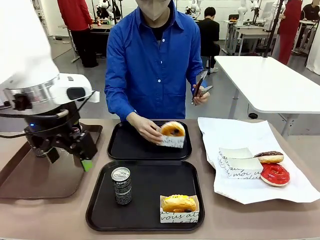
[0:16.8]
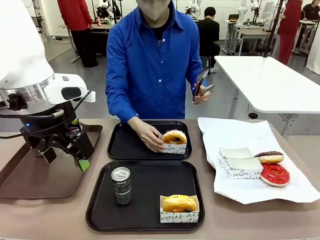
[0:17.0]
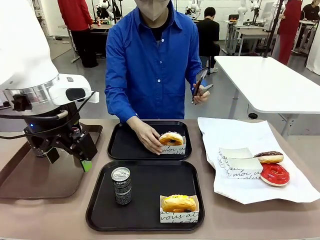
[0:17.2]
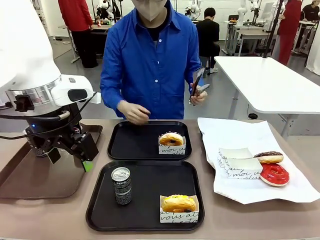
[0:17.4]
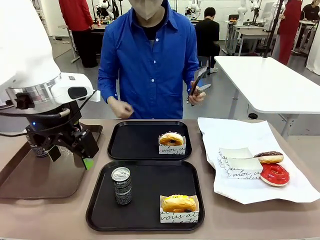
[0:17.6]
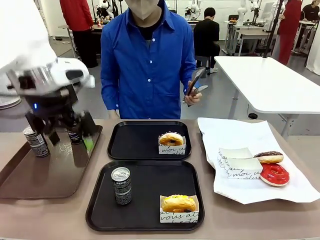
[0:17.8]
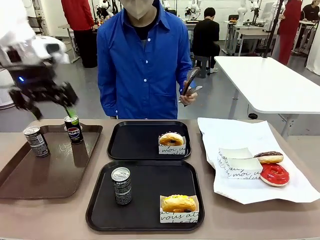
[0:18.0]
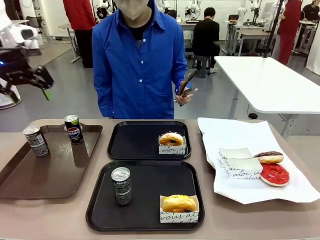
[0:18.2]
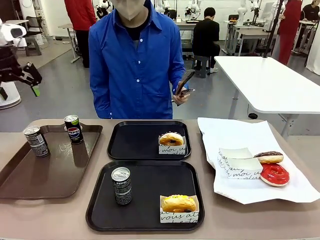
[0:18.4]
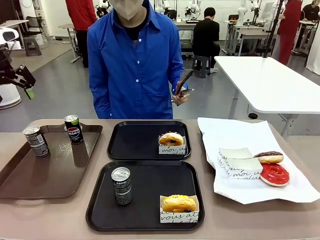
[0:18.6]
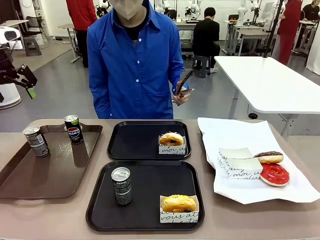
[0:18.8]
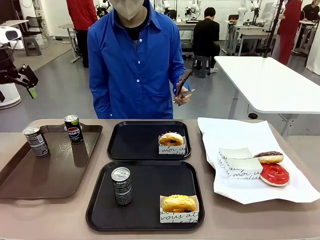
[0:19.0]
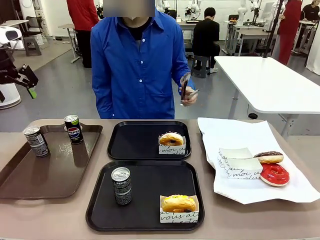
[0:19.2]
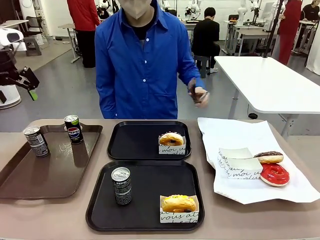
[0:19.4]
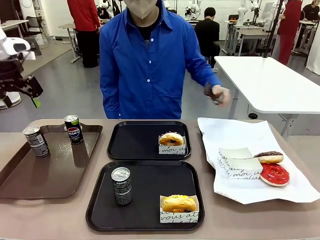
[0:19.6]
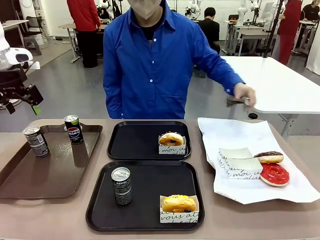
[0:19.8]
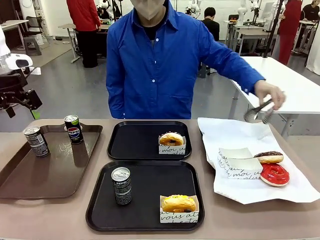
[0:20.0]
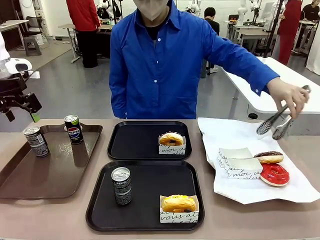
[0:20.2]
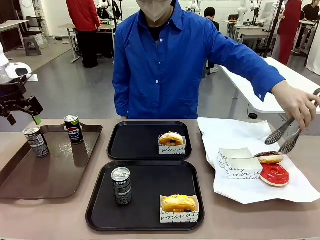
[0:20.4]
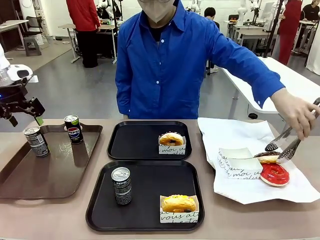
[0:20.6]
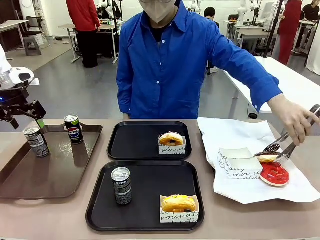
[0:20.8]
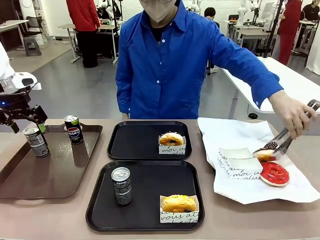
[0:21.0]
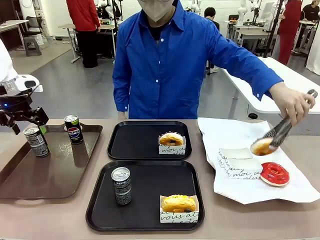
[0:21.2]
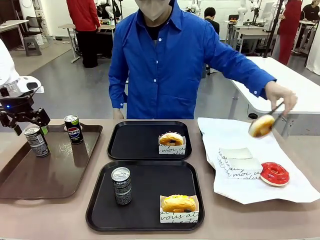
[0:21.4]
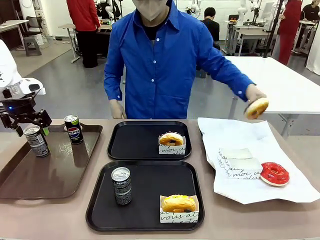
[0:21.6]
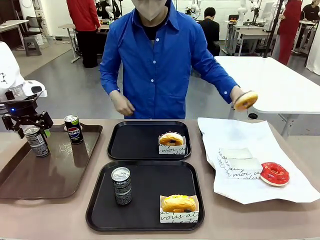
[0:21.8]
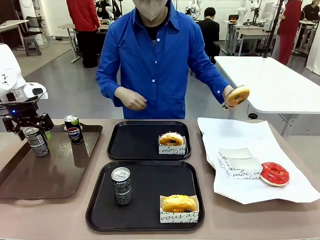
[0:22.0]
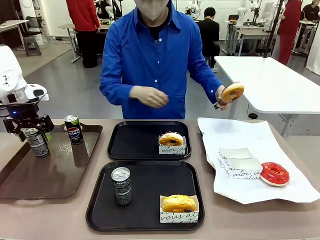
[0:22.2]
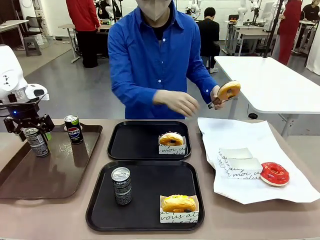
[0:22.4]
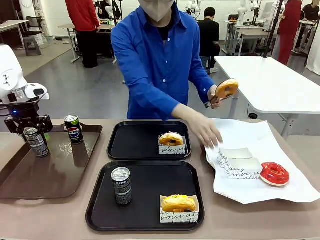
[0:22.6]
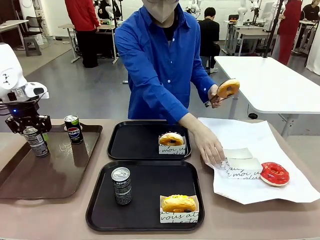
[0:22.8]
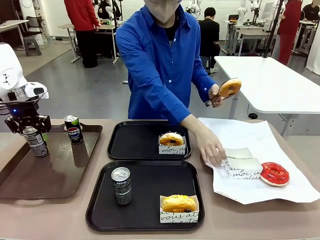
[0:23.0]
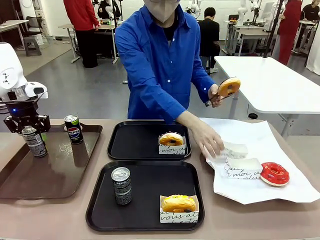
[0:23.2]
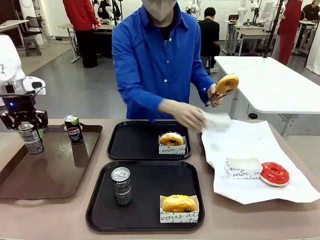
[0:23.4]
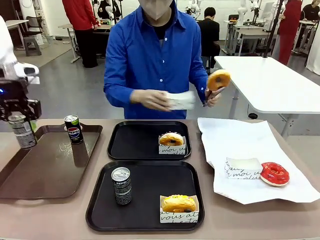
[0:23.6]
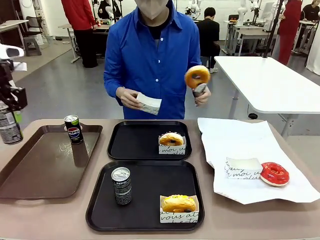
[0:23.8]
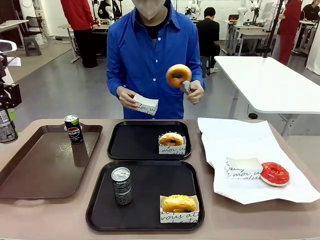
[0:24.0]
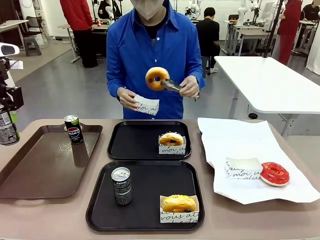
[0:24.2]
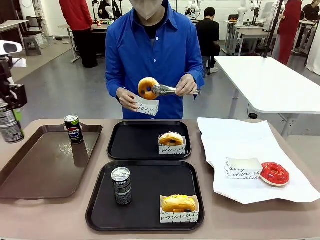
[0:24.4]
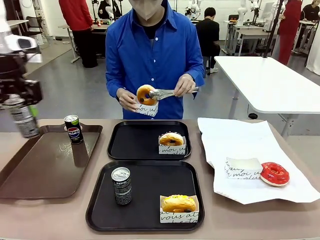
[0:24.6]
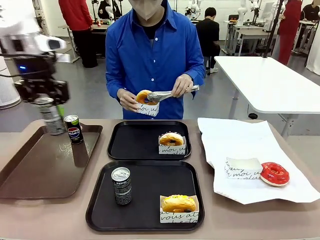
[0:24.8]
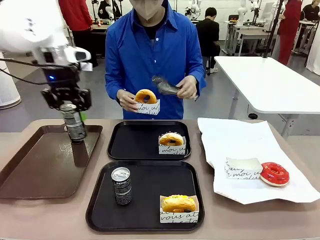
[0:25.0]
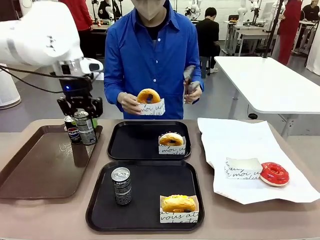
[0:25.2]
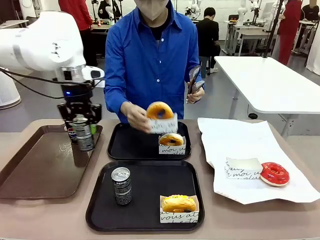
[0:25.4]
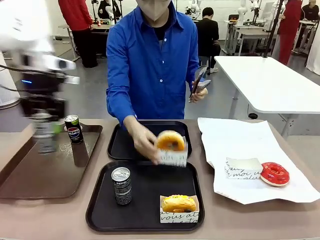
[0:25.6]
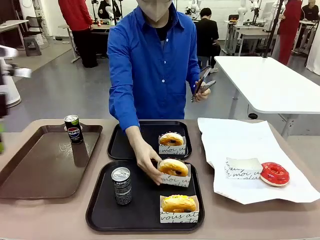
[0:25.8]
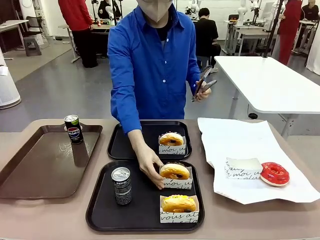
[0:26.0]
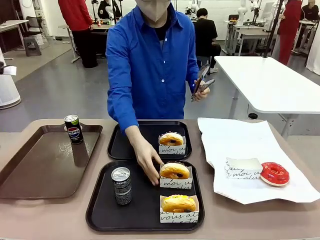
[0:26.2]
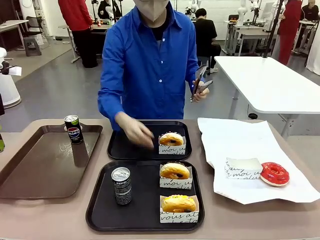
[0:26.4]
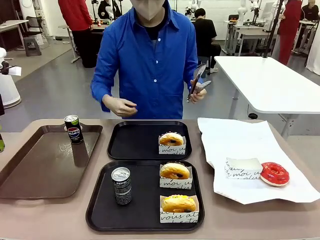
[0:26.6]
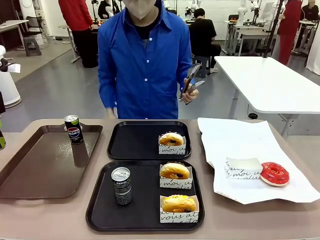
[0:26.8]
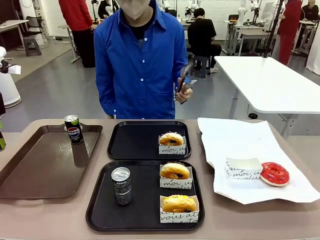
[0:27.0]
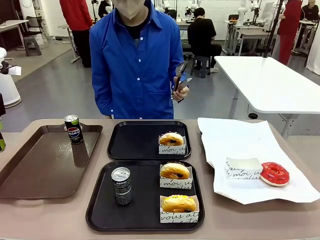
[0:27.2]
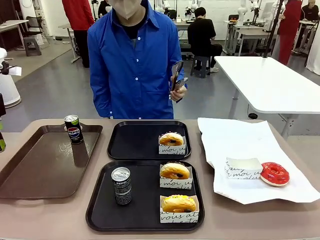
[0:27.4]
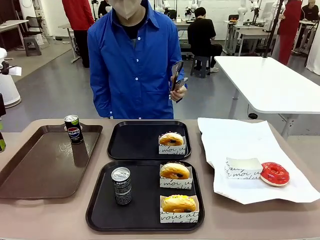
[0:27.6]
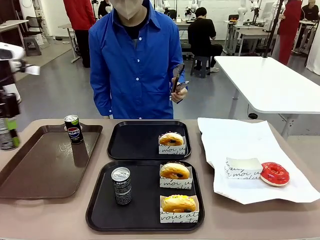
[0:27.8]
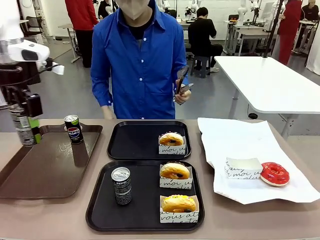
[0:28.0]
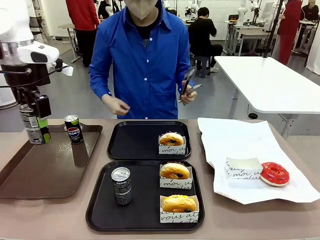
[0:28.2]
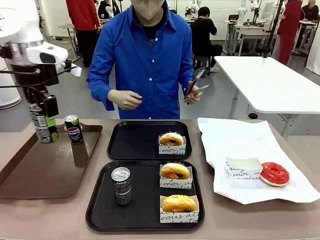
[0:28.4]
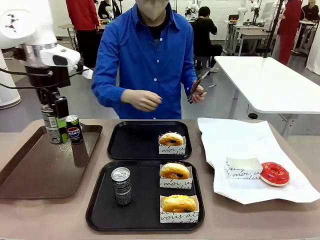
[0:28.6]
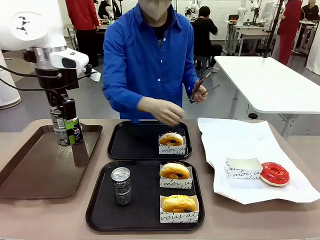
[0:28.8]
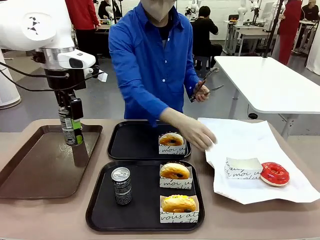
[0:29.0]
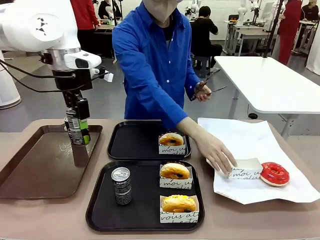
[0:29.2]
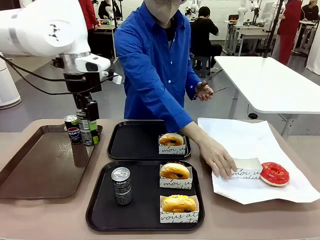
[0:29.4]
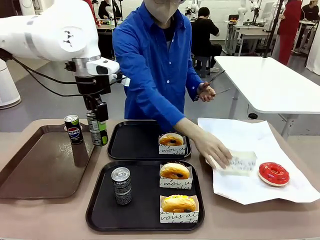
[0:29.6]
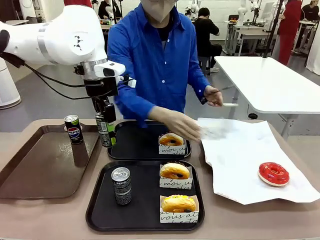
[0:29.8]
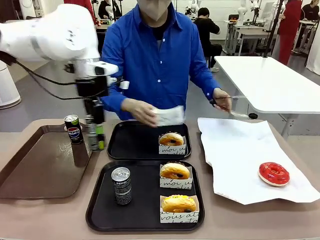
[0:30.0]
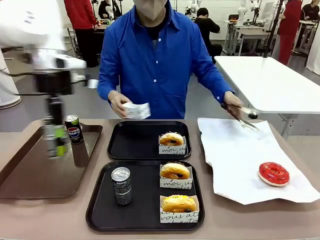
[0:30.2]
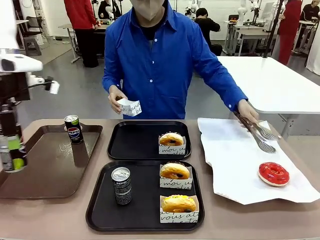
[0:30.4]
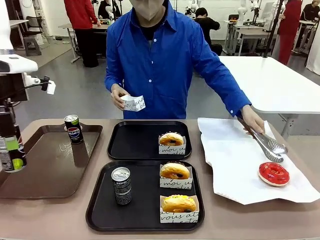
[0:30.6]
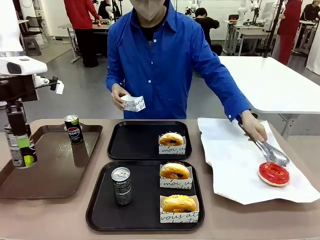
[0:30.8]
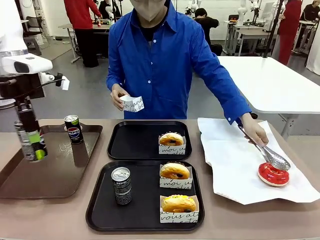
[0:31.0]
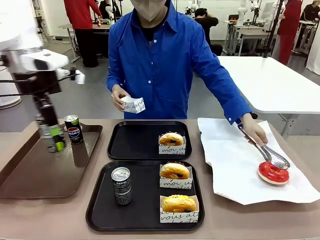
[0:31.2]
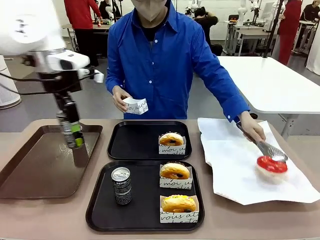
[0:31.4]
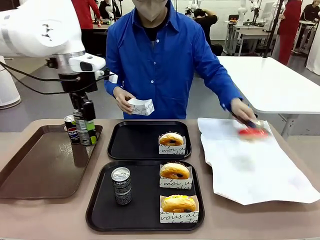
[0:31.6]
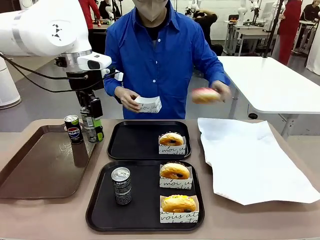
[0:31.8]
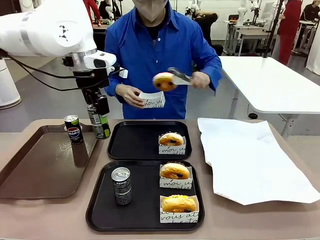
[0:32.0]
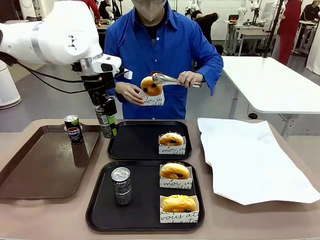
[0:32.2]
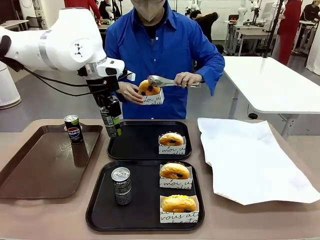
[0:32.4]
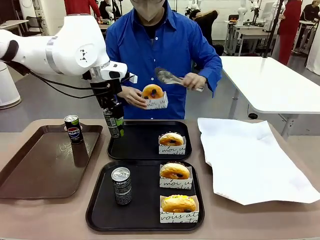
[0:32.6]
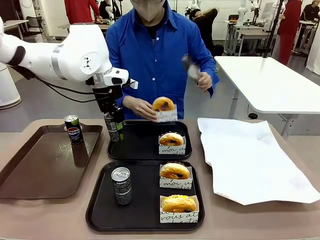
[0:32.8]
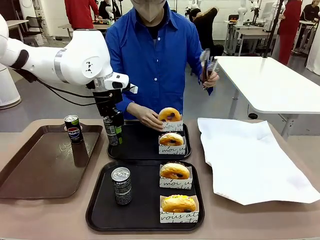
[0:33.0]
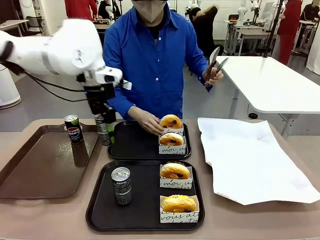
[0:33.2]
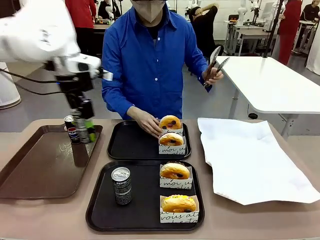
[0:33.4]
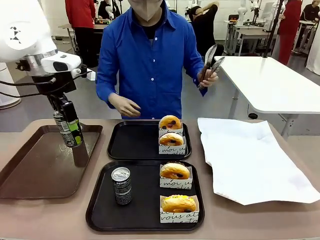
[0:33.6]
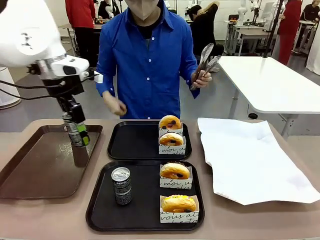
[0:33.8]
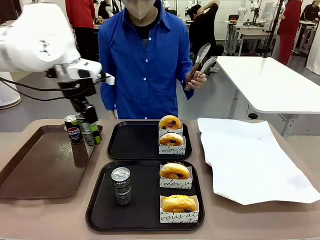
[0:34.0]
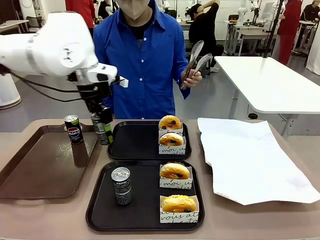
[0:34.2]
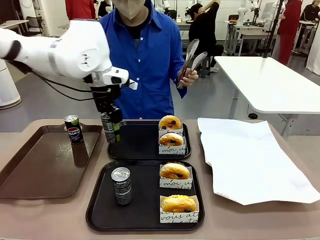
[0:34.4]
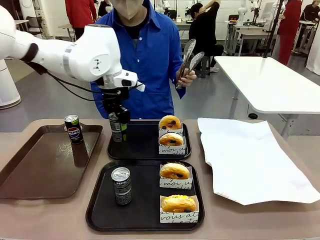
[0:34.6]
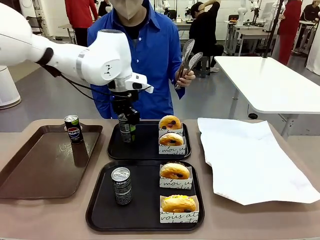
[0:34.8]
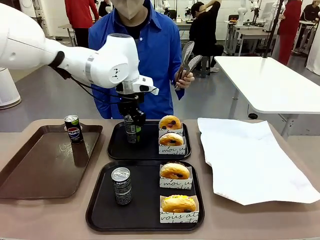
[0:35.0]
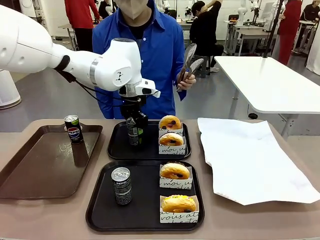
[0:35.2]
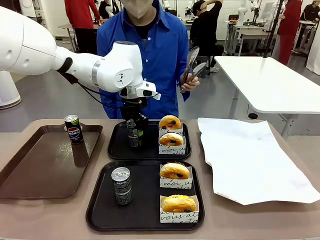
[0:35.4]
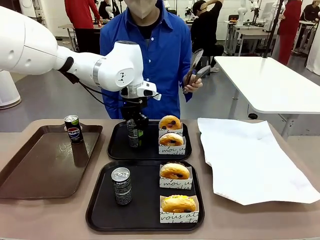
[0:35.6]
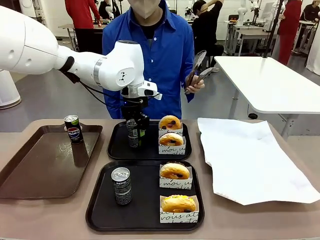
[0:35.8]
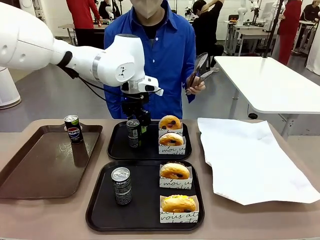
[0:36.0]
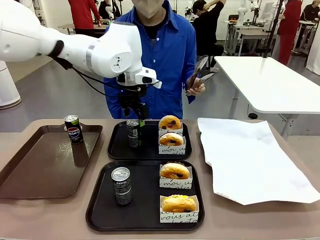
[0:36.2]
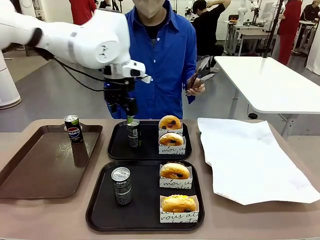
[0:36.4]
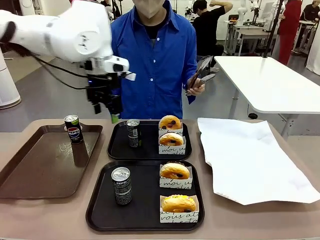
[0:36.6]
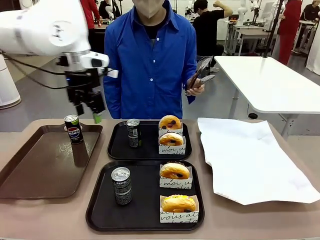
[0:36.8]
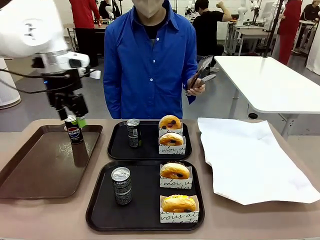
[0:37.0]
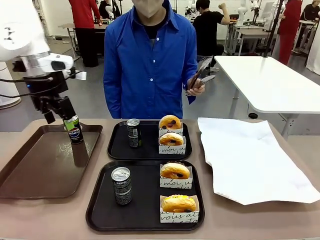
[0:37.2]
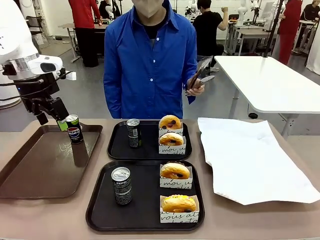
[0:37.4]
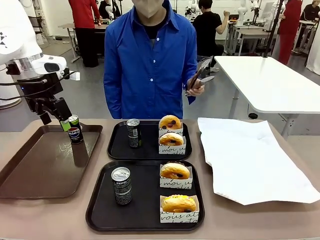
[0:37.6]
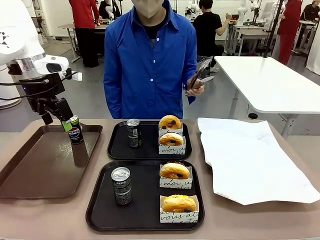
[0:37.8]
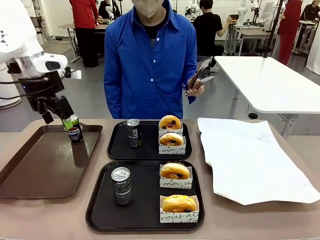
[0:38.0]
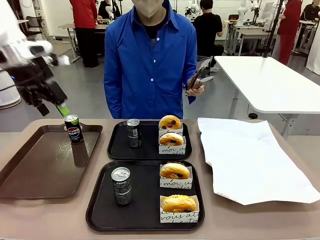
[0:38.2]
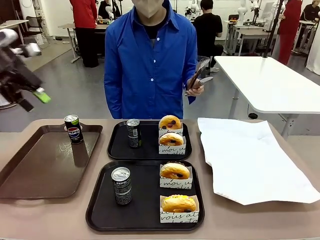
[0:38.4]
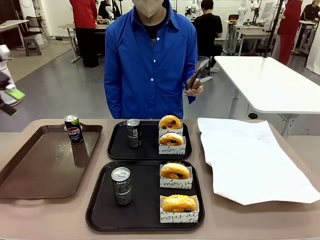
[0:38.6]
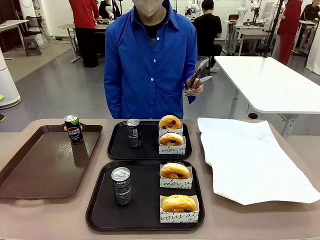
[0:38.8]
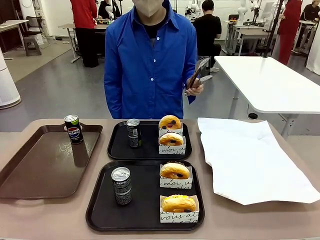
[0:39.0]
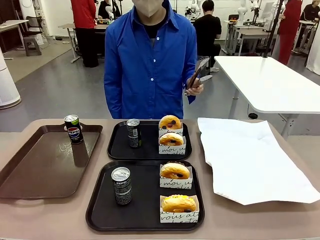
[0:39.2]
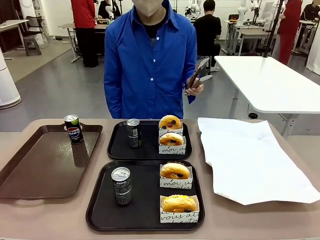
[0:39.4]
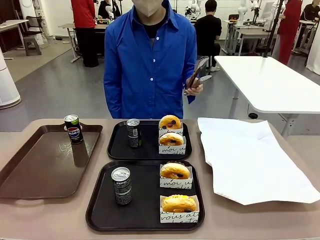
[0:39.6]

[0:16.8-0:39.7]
Task: Set up donuts and drinks on trays.
Robot: Pick up one Pepsi coke from the Handle tray and place it on the Flat Tray without a Pepsi coke.
Person: Pick up one donut with tongs, place it in the donut tray, and then place the donut tray on the flat tray.
